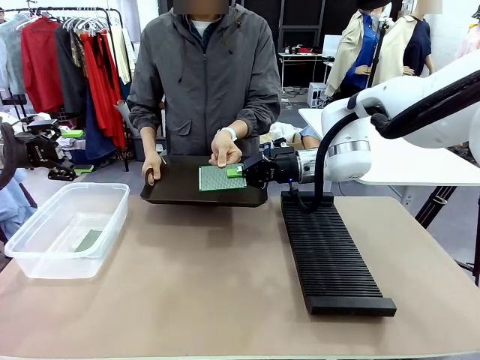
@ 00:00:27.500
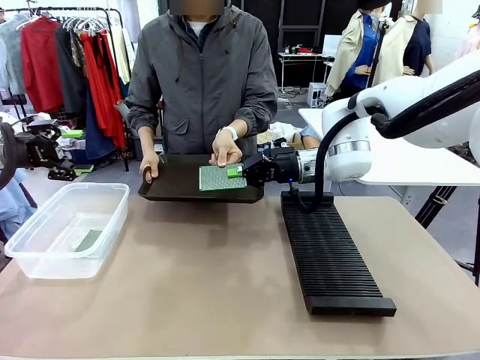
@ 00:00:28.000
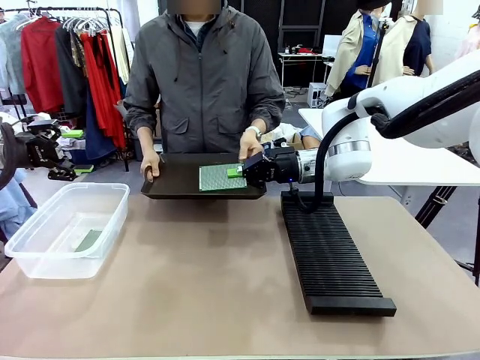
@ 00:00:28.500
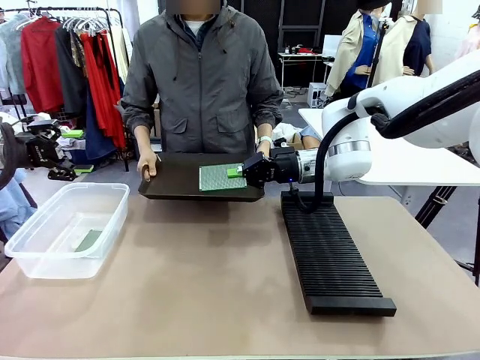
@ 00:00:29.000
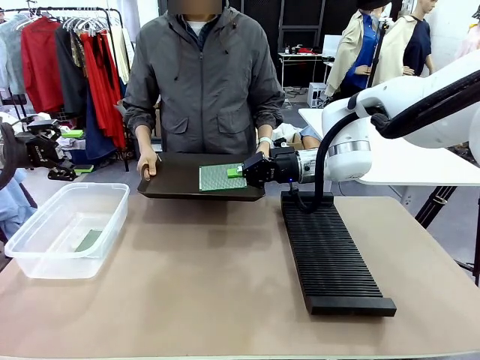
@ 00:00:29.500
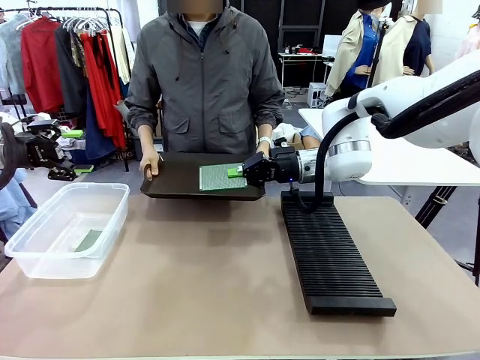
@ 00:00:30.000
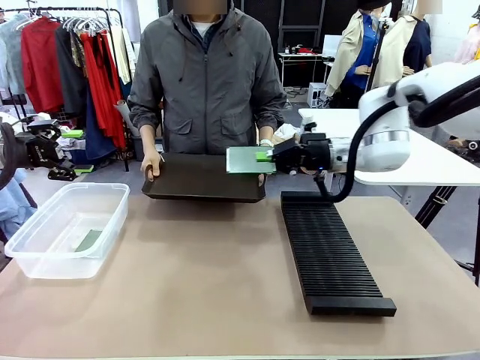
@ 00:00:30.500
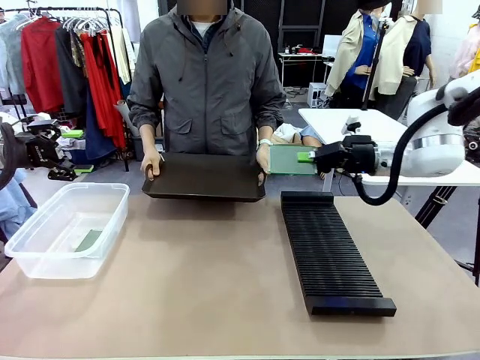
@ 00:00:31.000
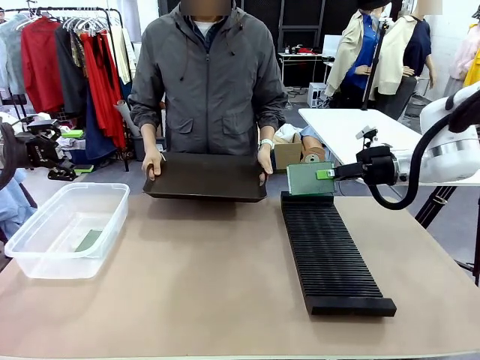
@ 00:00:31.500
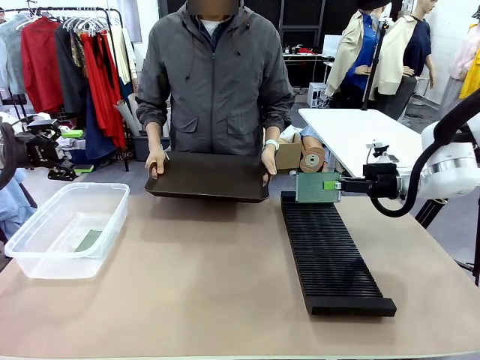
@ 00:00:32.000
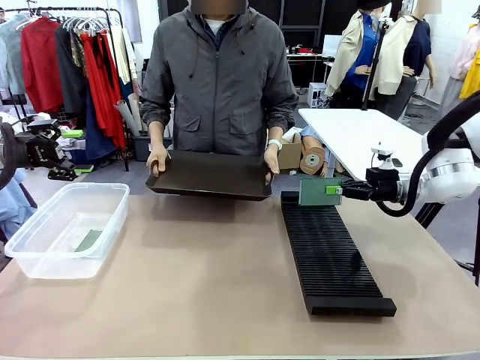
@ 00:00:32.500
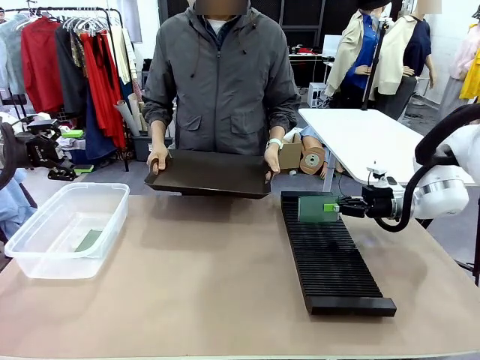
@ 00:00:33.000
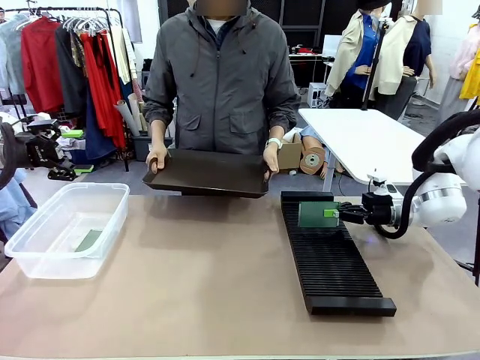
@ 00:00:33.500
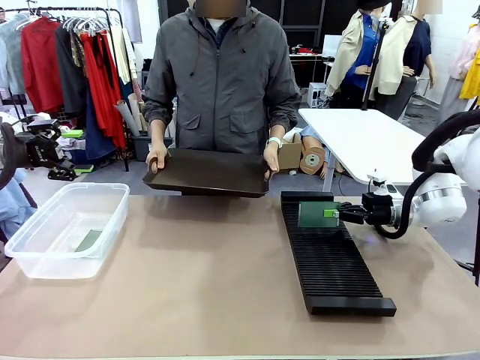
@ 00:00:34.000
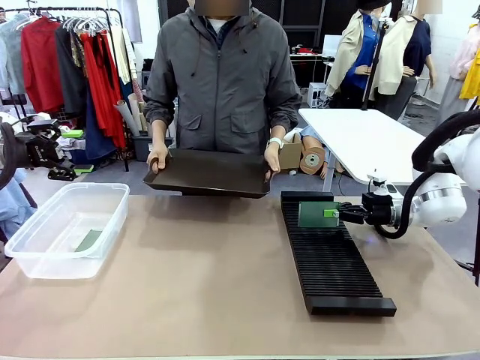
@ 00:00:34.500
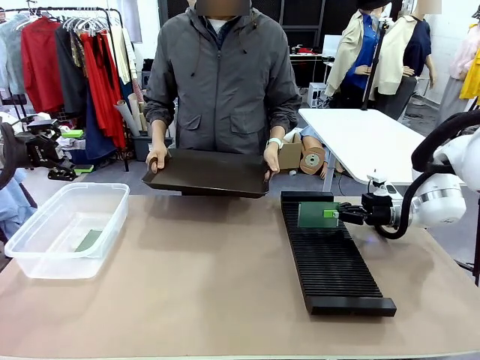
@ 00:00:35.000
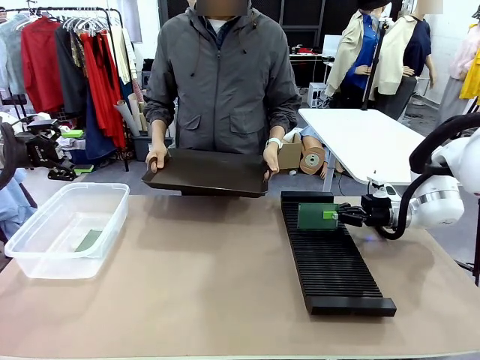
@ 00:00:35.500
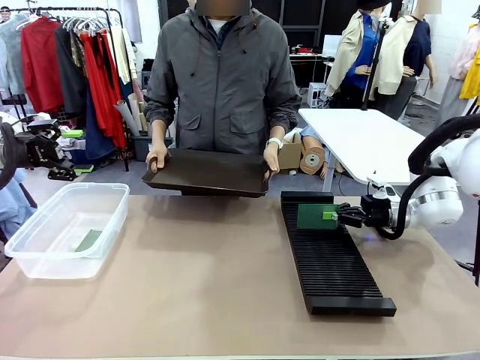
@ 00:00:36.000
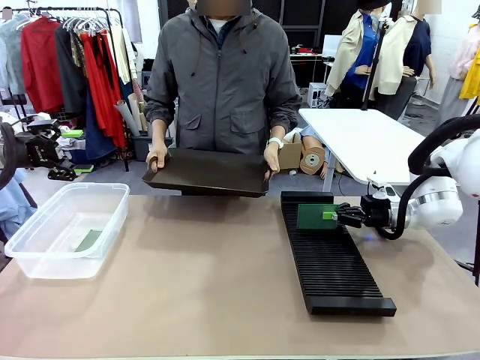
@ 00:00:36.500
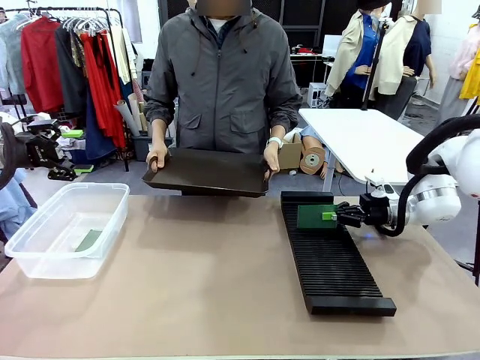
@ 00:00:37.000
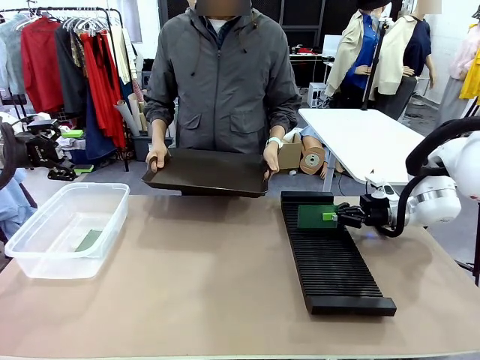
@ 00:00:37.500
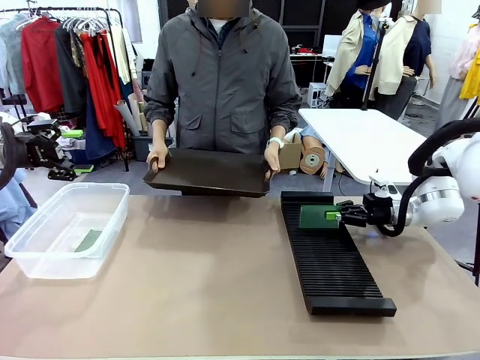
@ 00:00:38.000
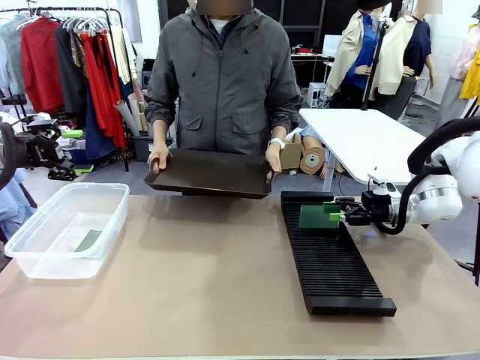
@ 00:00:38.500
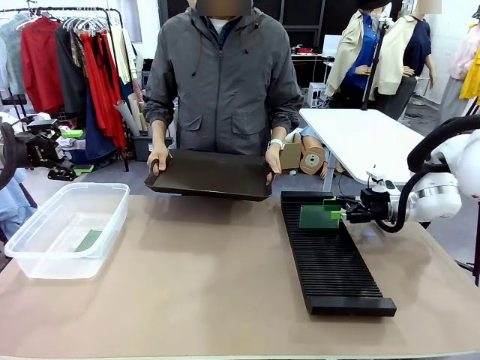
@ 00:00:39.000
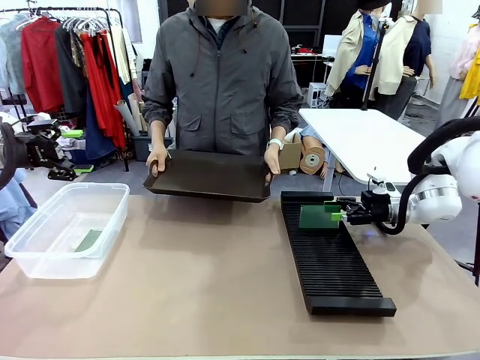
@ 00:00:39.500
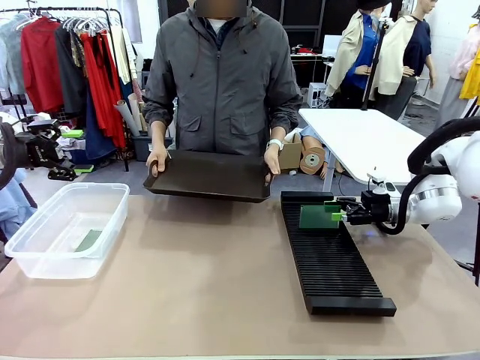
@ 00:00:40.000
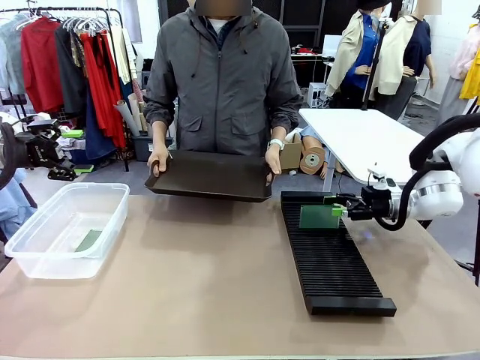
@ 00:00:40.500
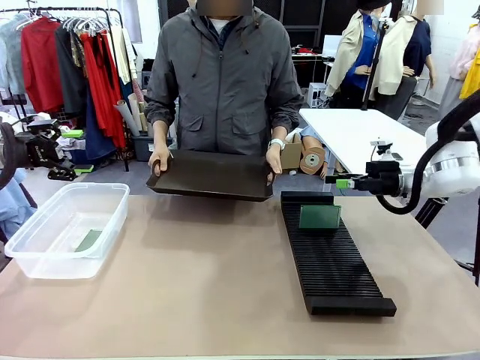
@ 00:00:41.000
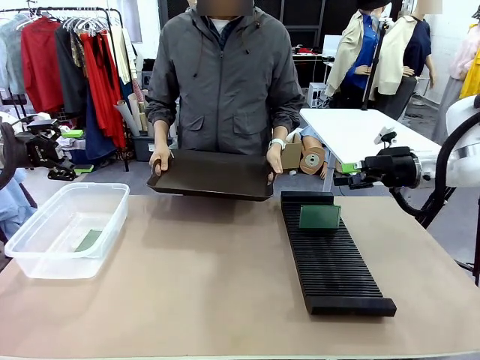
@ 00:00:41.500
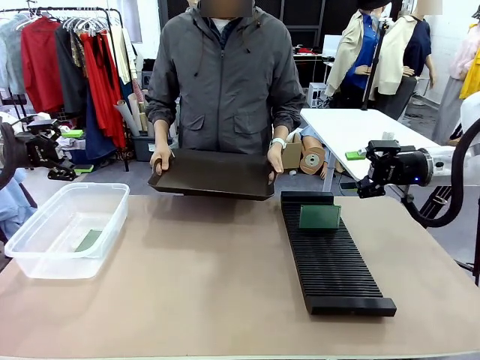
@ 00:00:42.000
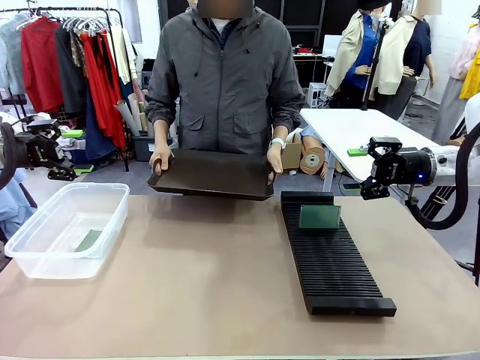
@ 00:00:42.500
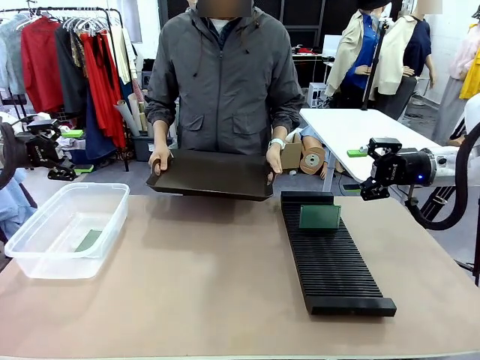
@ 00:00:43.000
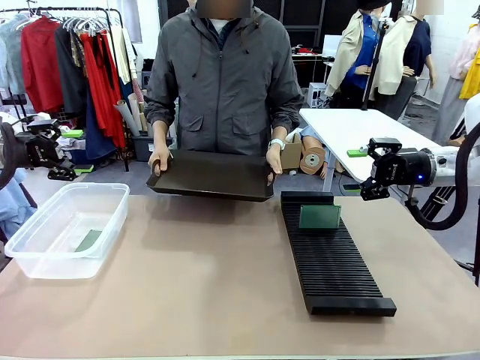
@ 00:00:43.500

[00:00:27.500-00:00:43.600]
Task: Sort PCBs into racks and boxes based on the side picked up.
Robot: If the short side of the Blank PCB is picked up, insert it into the PCB Rack ; if the long side is picked up, place it in the Organizing box.
Person: Release the PCB being held.
